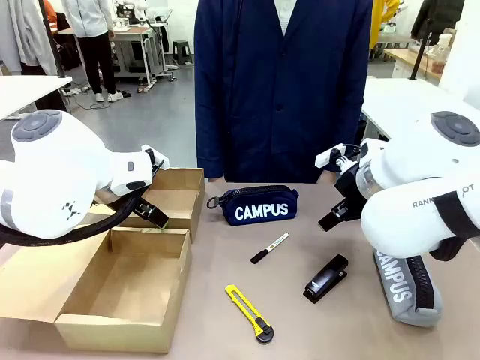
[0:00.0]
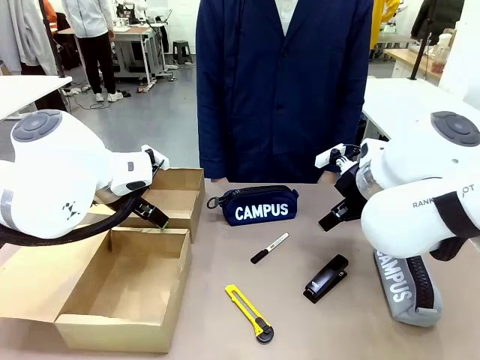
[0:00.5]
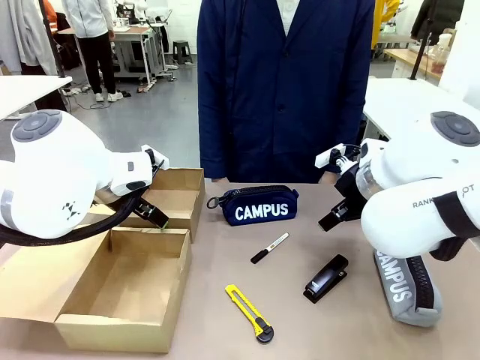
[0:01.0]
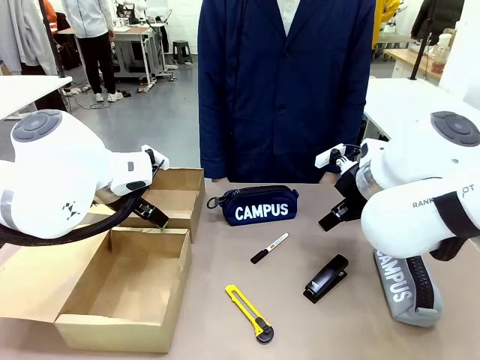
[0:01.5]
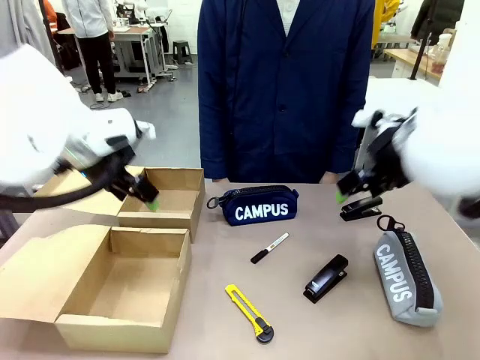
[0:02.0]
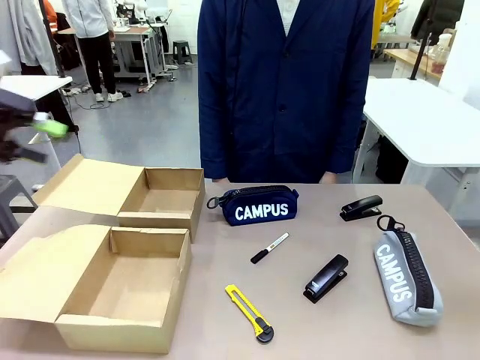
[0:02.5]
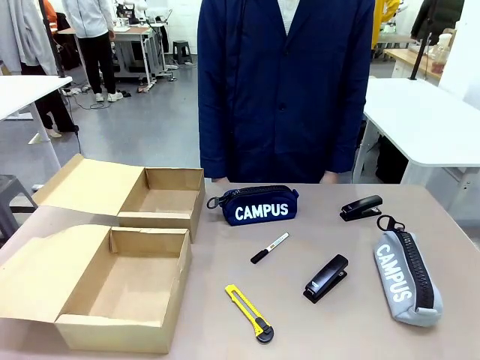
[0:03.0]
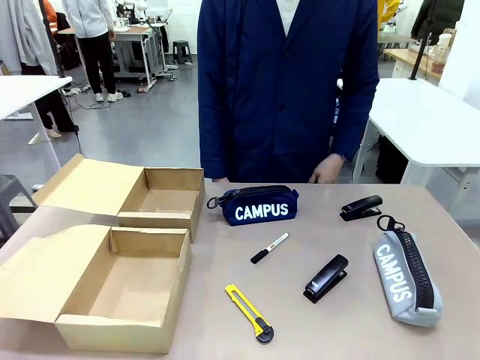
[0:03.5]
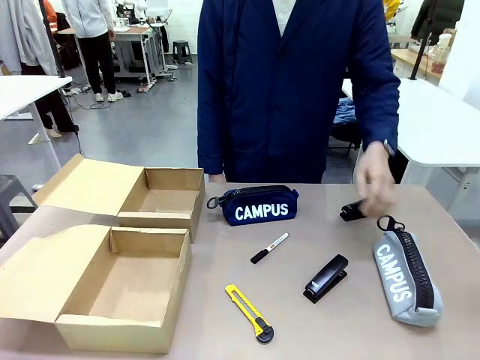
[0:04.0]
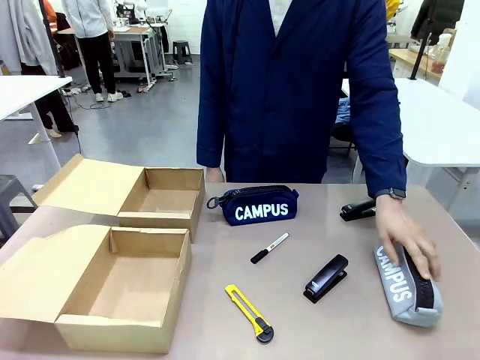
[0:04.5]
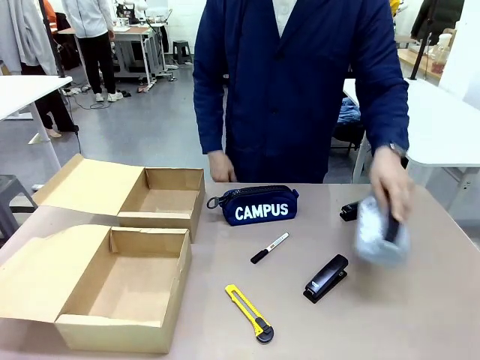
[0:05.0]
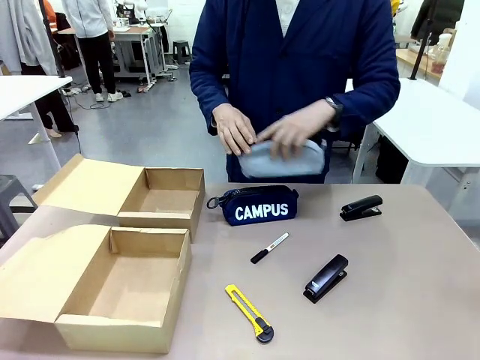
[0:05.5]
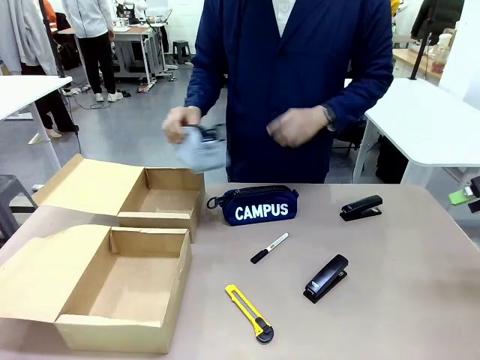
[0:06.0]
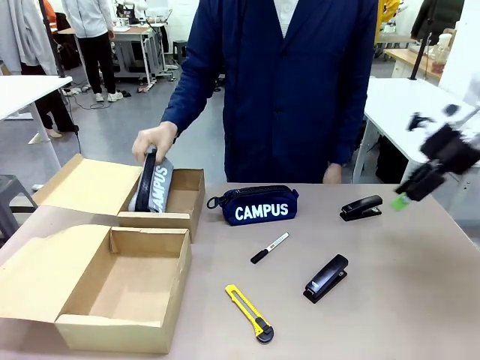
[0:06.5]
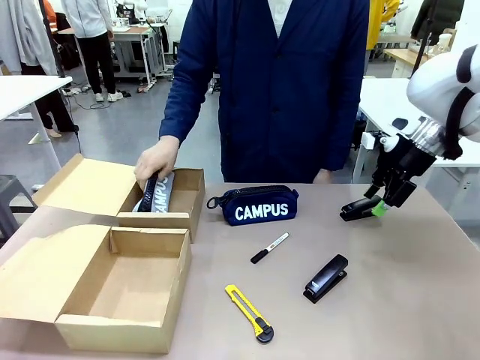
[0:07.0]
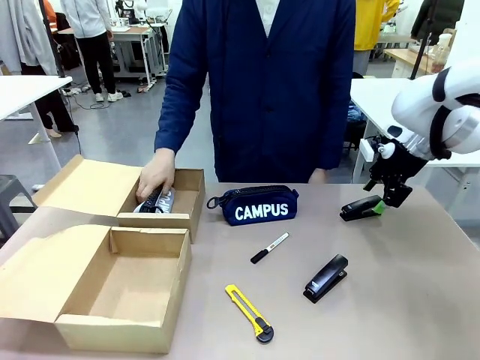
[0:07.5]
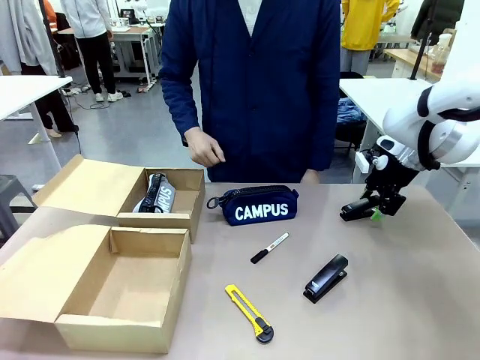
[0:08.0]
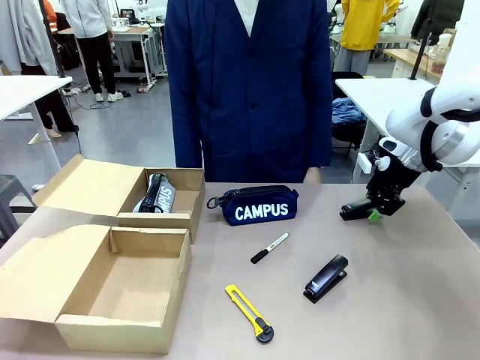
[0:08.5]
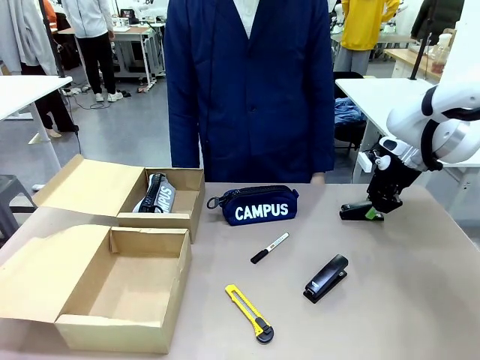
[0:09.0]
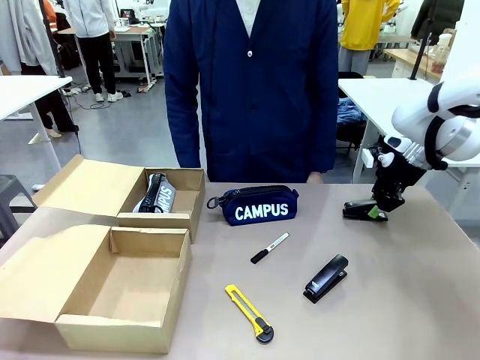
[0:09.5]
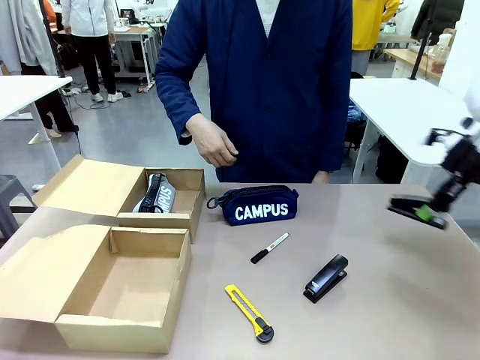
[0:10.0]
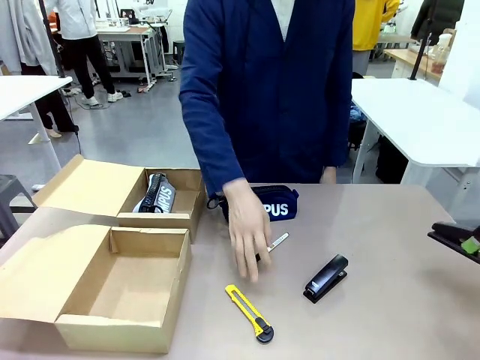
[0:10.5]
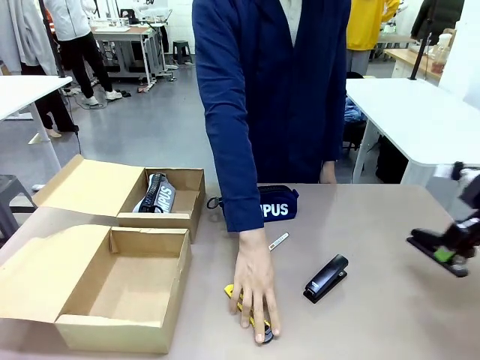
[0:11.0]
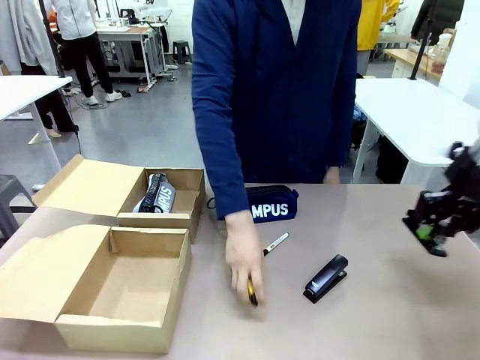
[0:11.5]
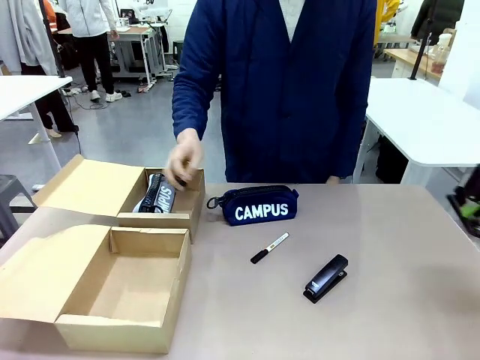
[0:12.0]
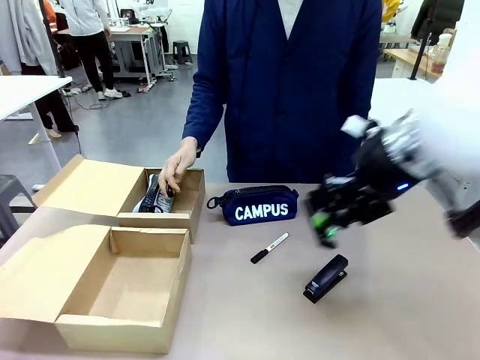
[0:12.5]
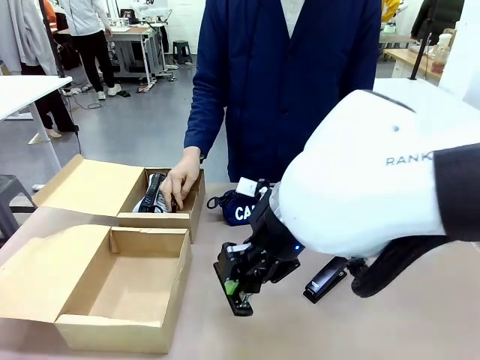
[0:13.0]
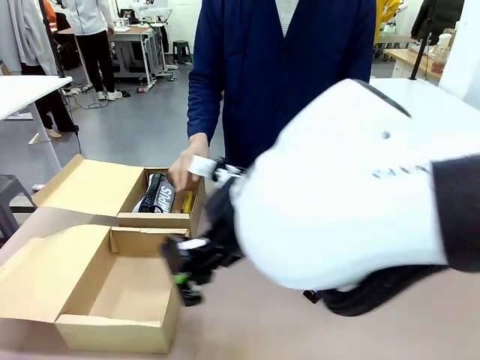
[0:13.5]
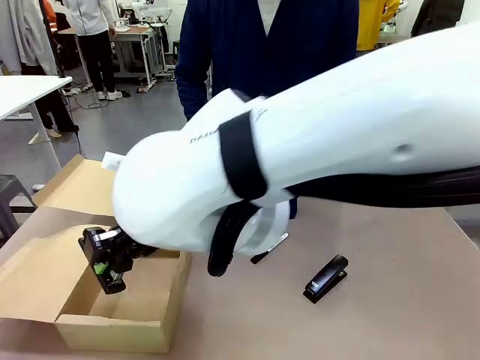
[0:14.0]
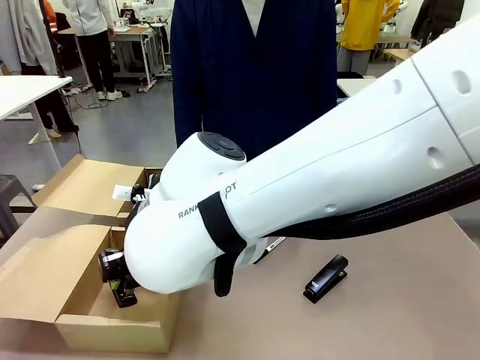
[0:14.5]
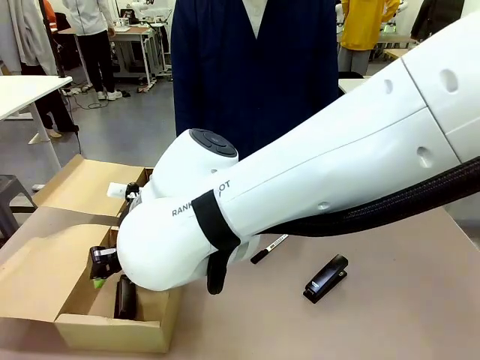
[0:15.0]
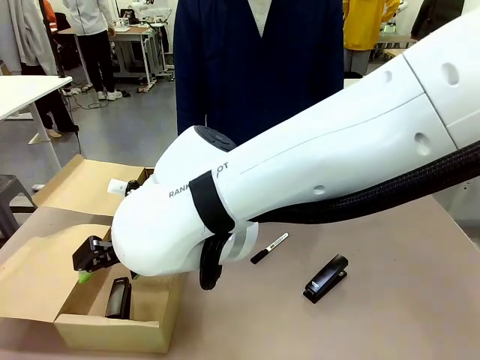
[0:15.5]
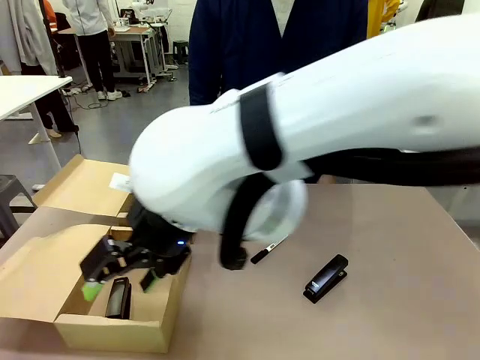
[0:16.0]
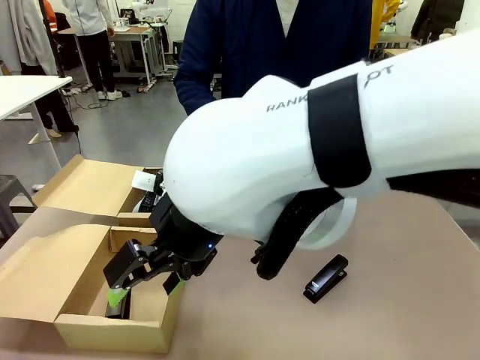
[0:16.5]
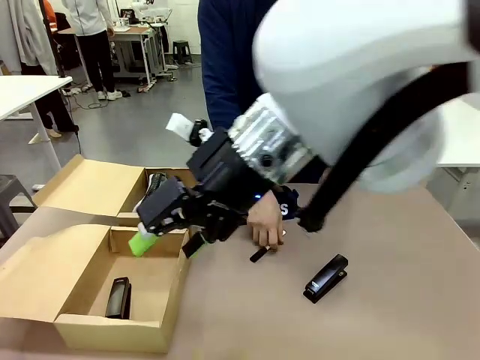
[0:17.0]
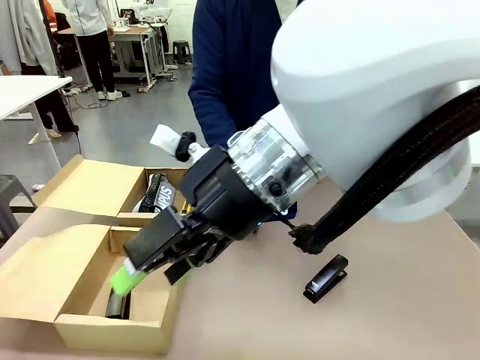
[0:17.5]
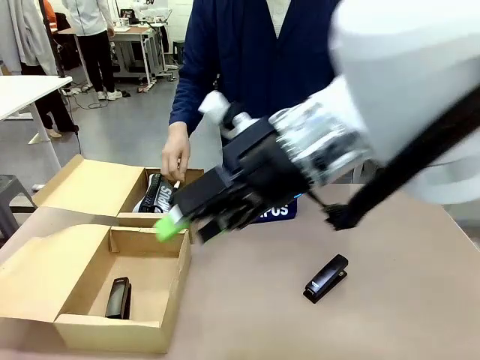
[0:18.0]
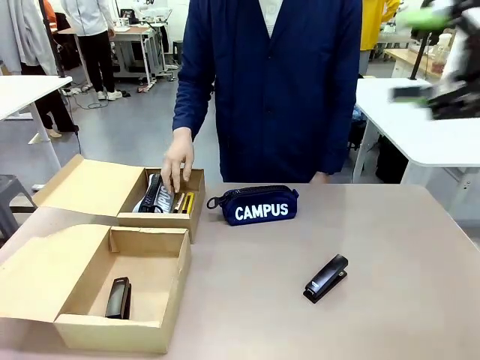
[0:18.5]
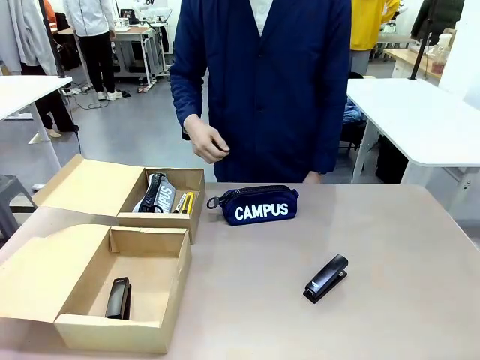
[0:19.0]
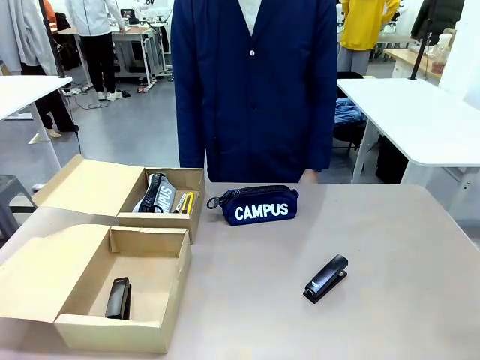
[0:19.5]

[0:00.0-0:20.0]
Task: Place items inside the box.
Robot: Pick up a Pencil pouch or Stapler and place it inside the Mailer Box closest to the robot.
Person: Pick up an object on the table and put it in the box.
